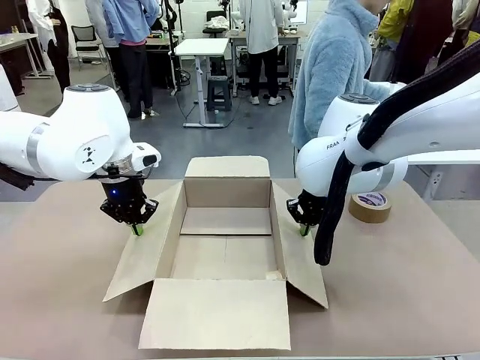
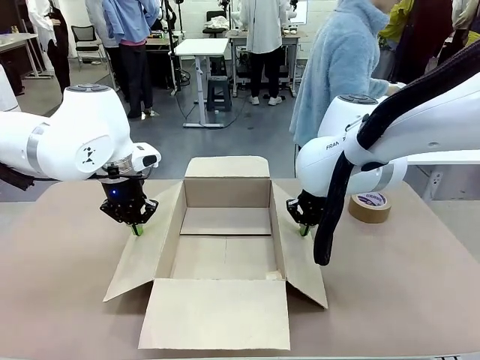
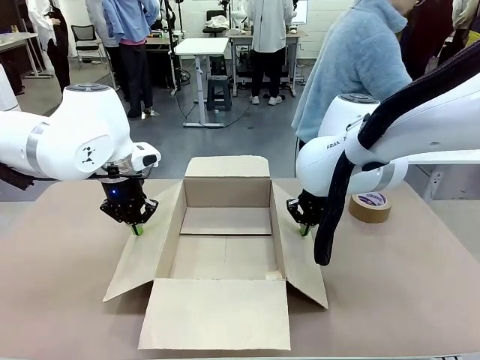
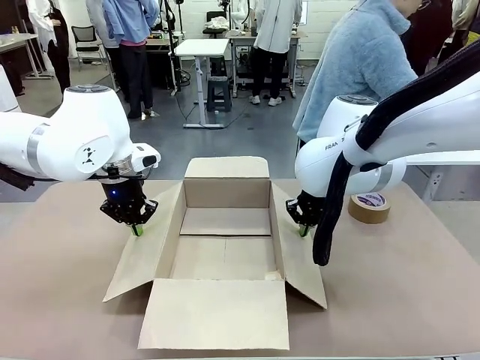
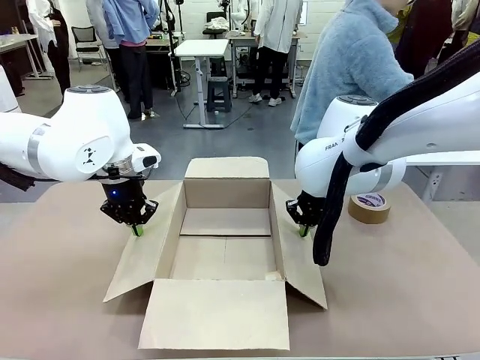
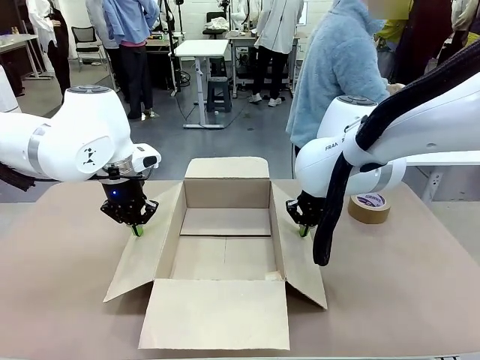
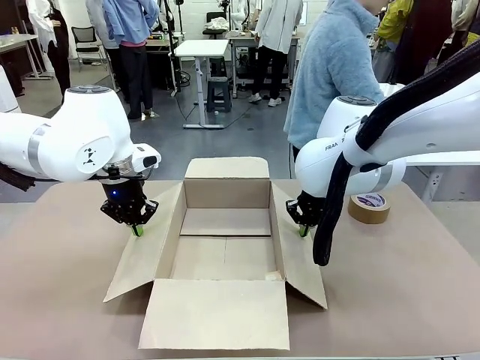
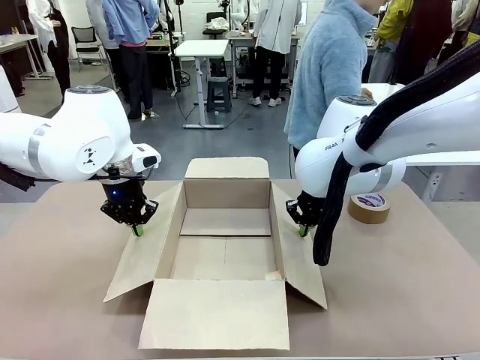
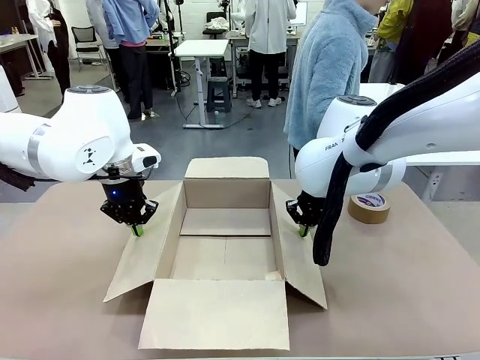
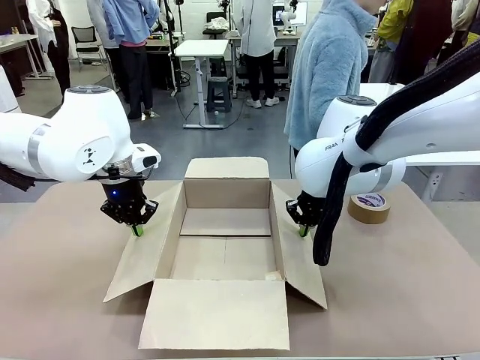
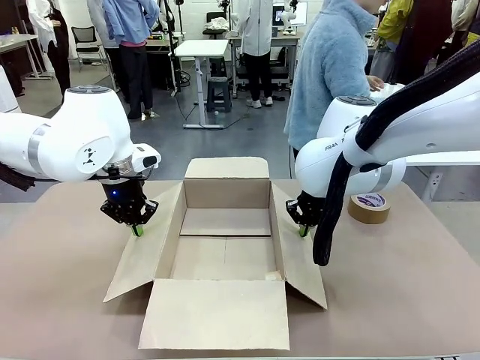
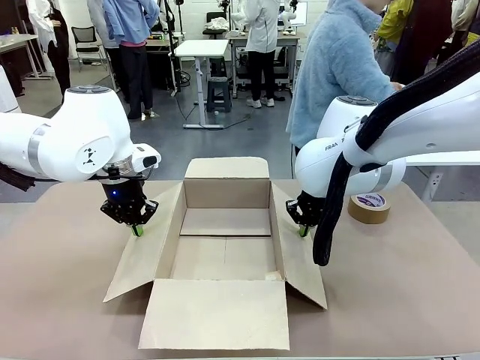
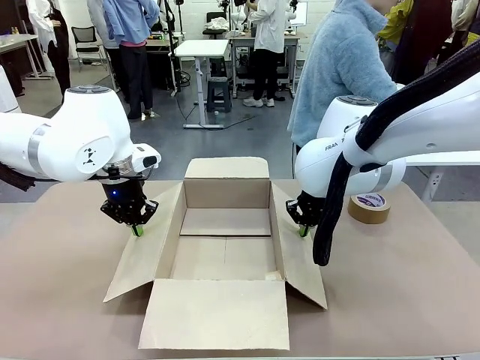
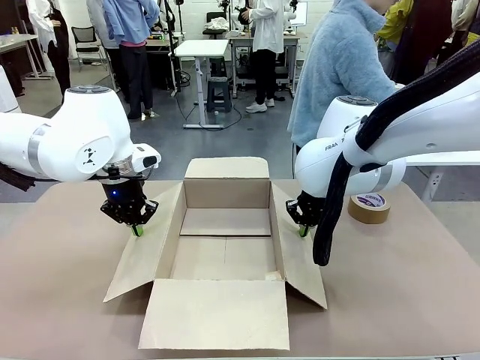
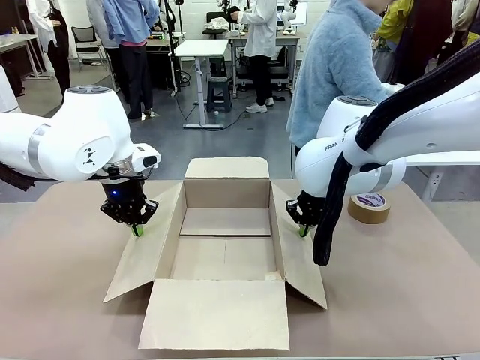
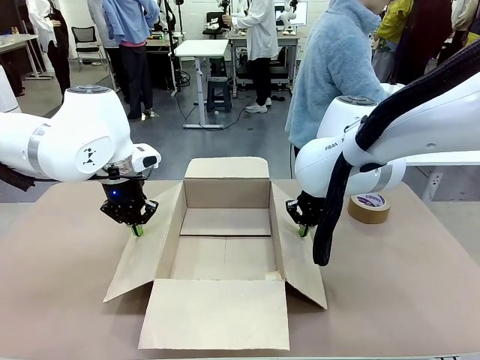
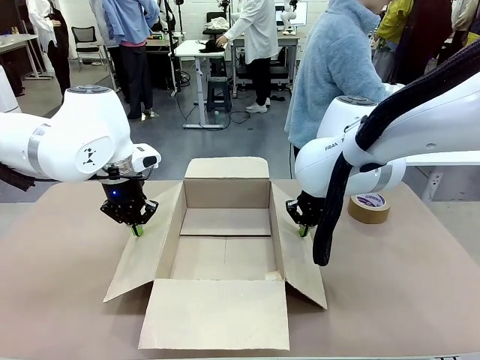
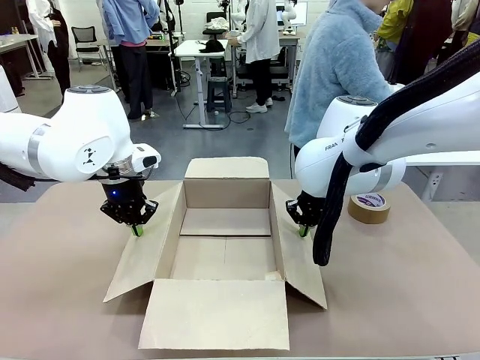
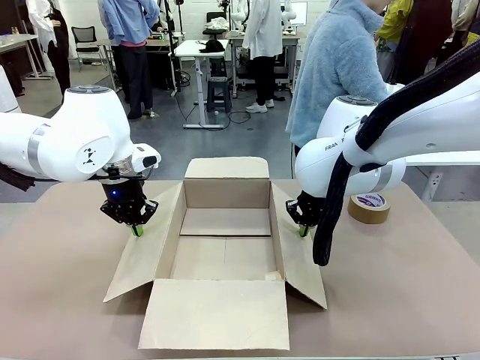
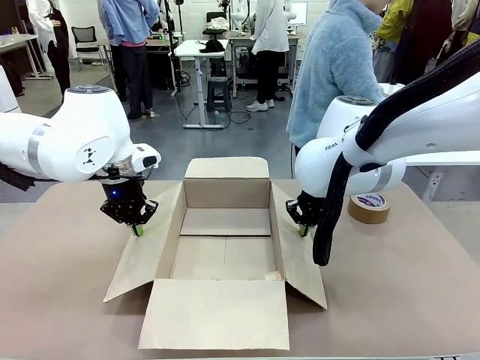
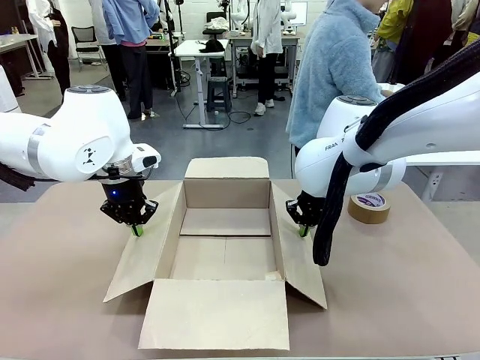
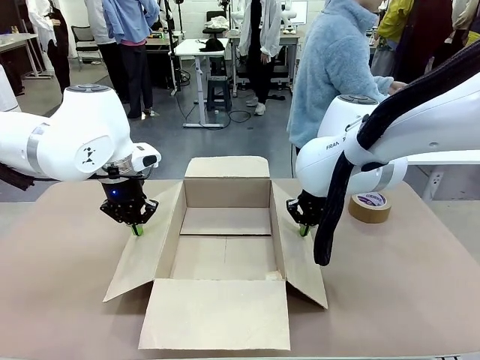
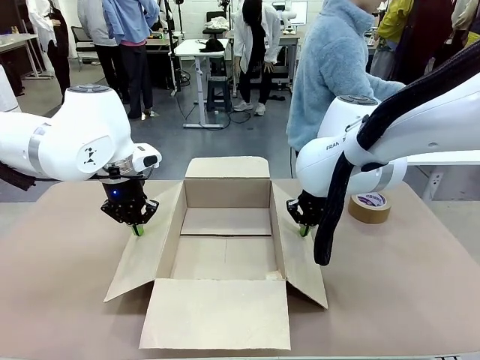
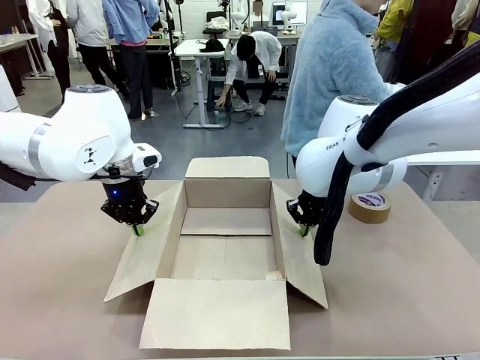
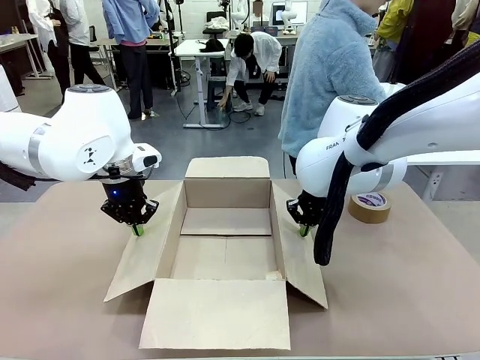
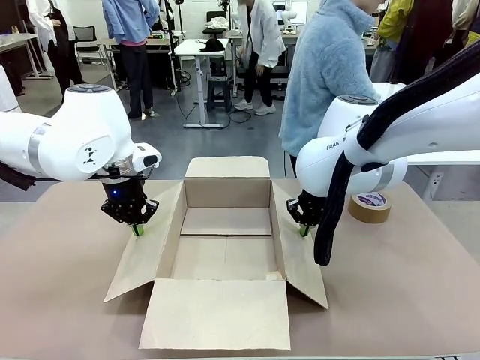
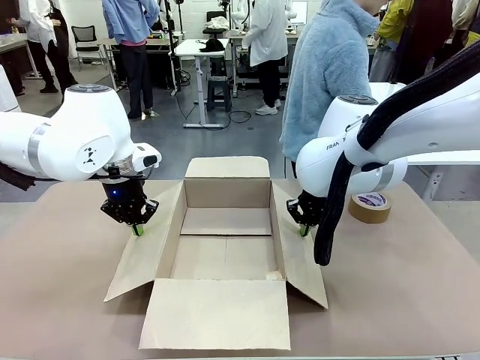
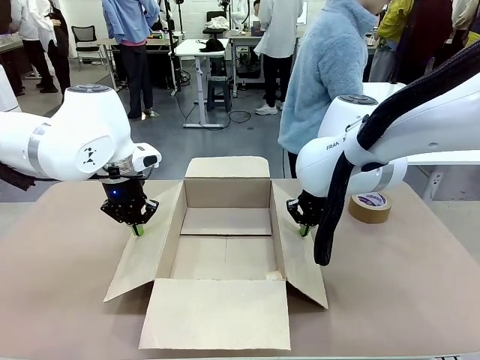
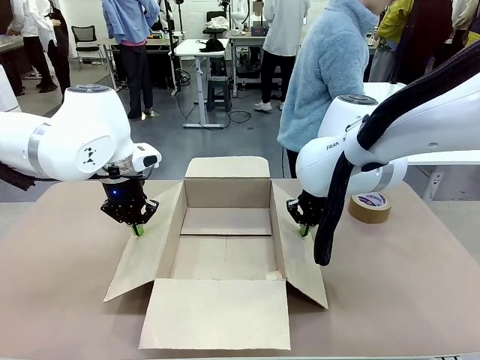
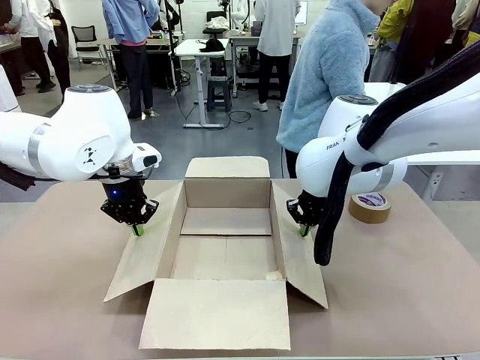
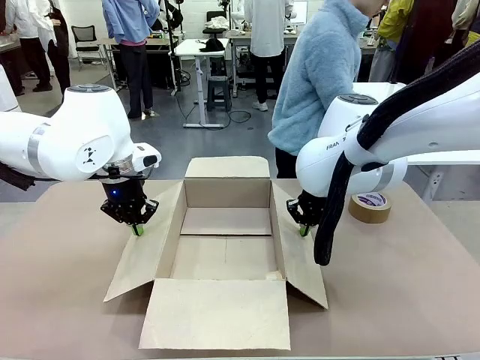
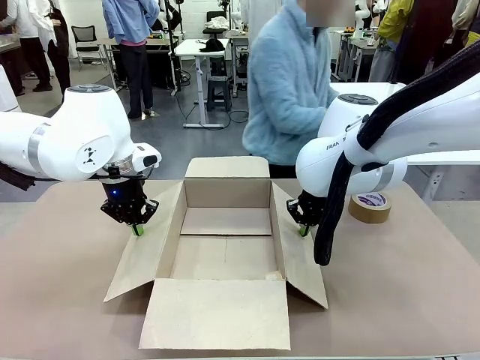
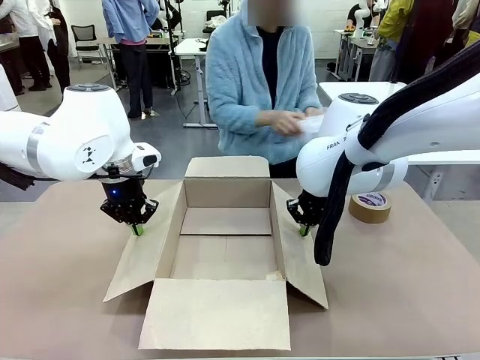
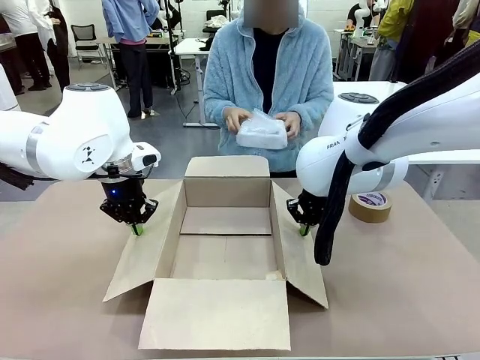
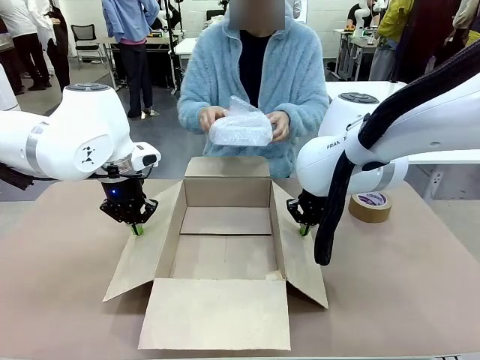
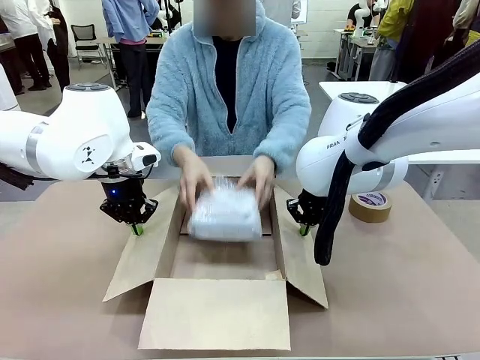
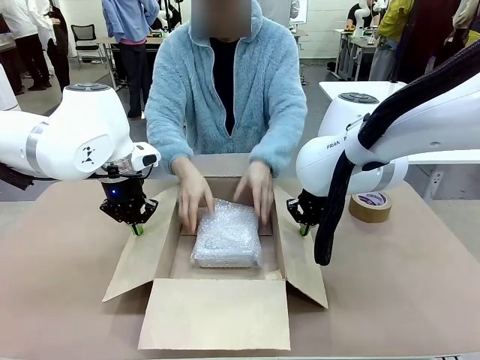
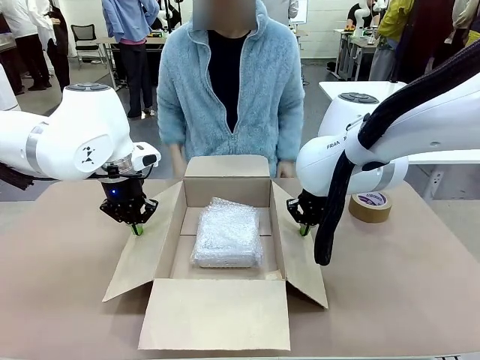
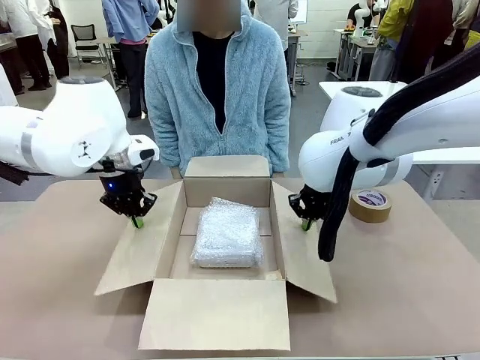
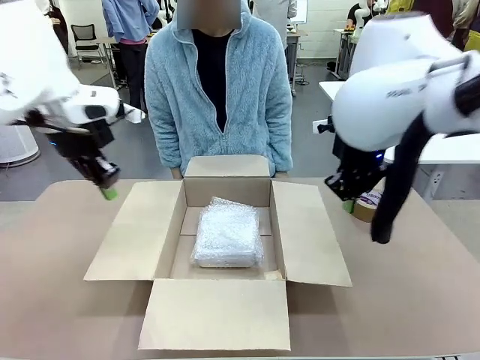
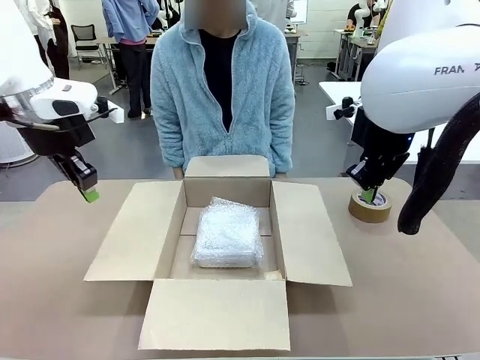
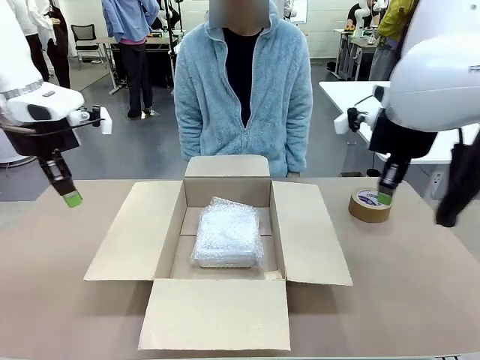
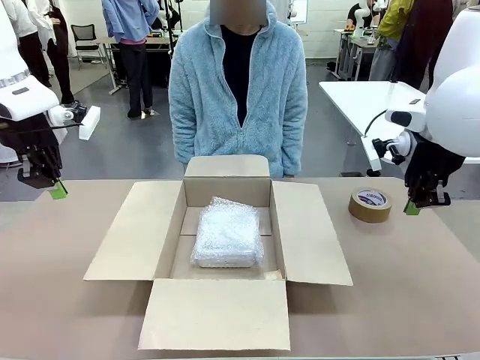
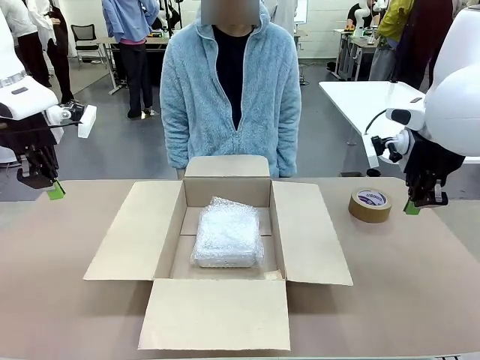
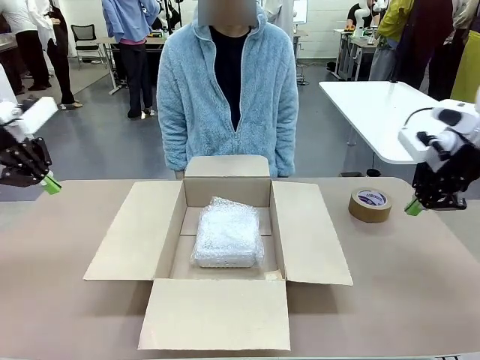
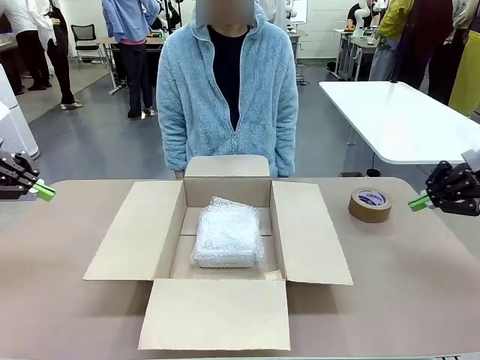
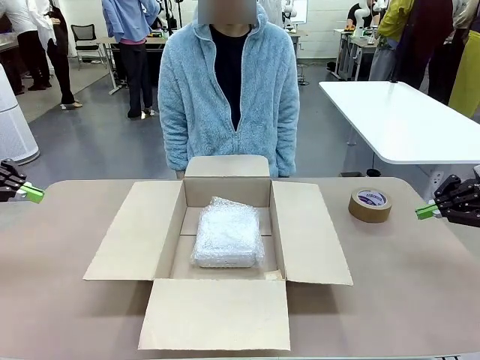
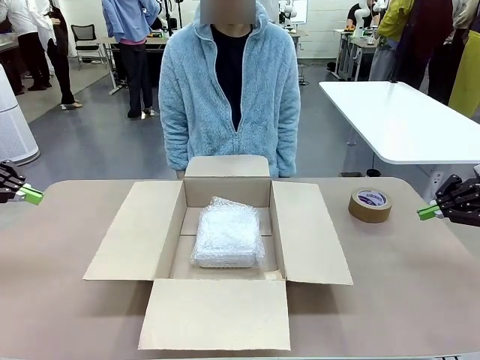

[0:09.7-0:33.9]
Task: Wrap the clocks to prevent damage.
Robot: Once the human has placed the objects inside and stepped back, release both hands from the side flaps of the Package Box.
Person: Wrap the two Digital clocks with Bubble Wrap. Place the wrapped Digital clocks inside the Package Box. Hold the top and bottom flaps of the Package Box closed with your left (or right) hand.
